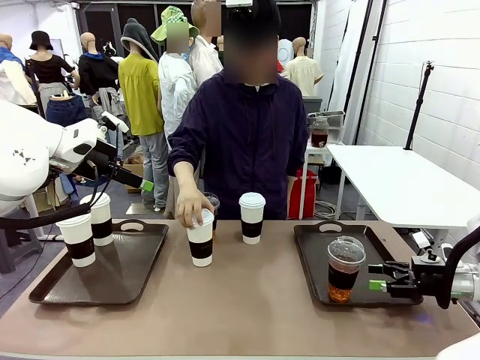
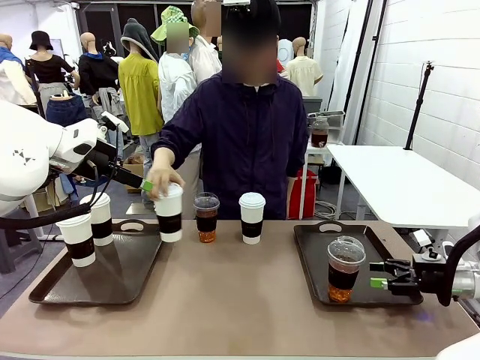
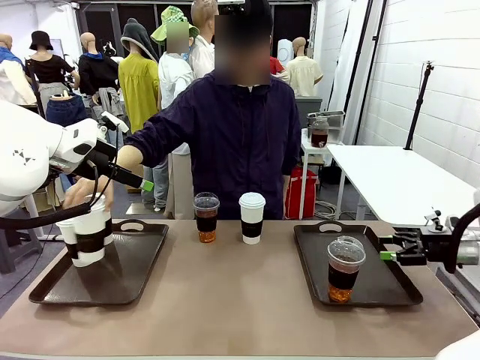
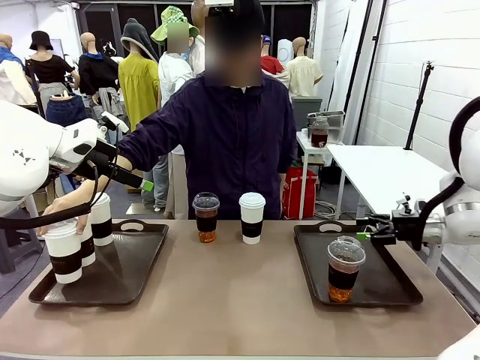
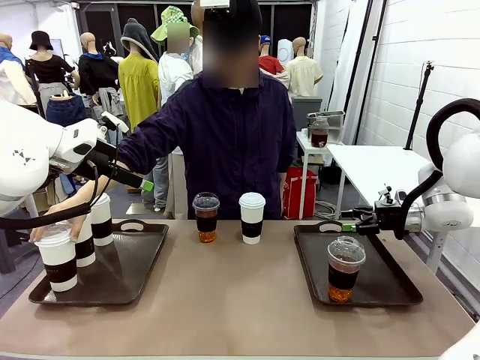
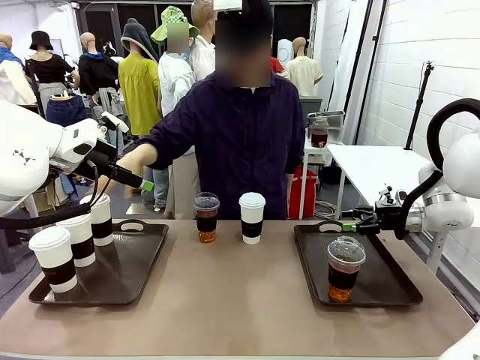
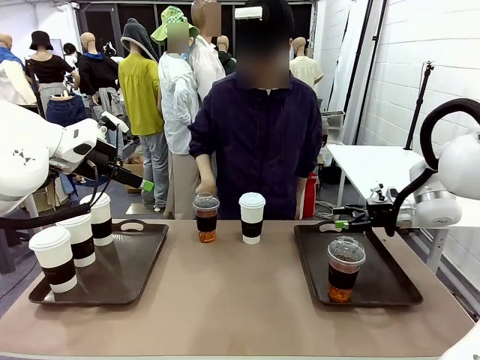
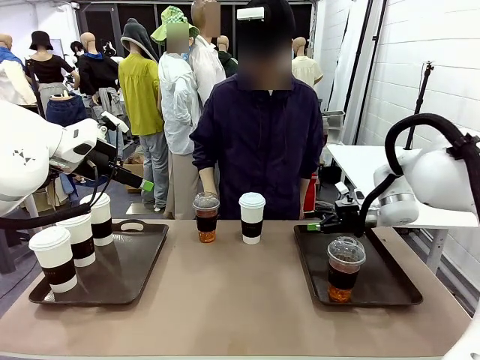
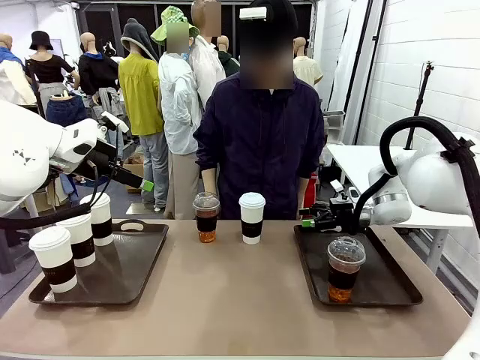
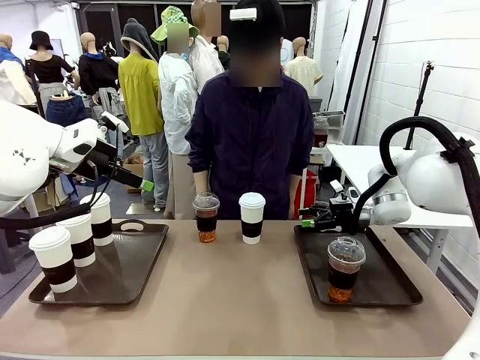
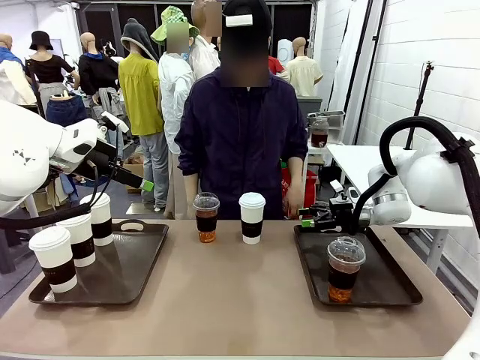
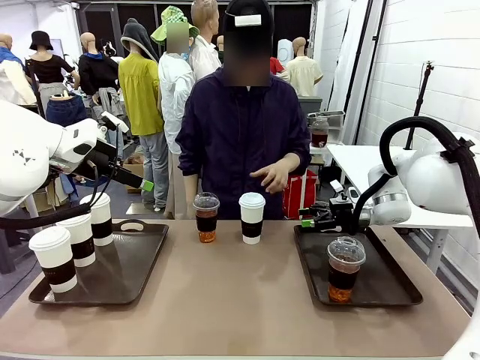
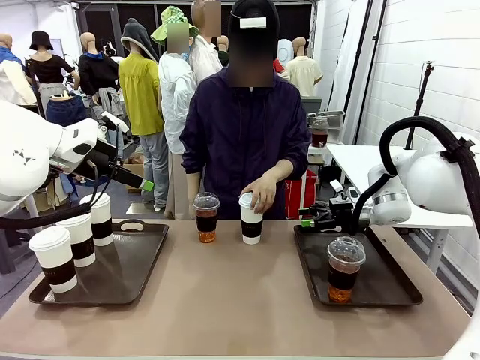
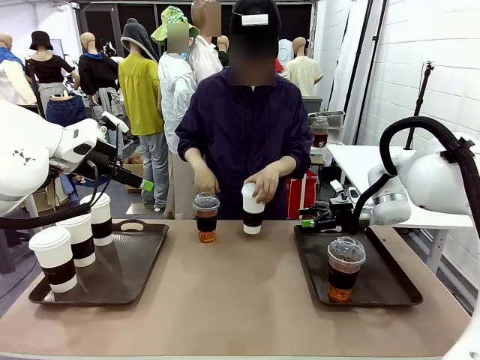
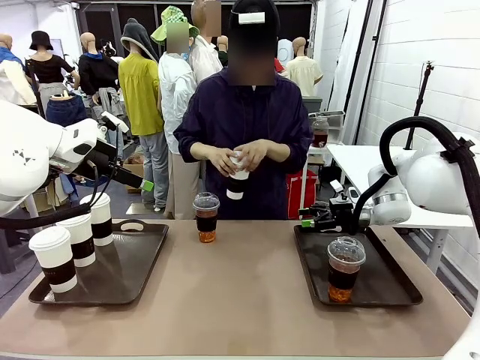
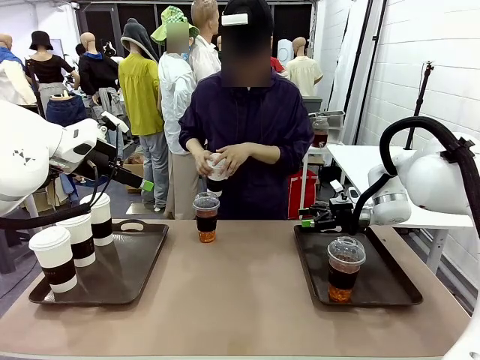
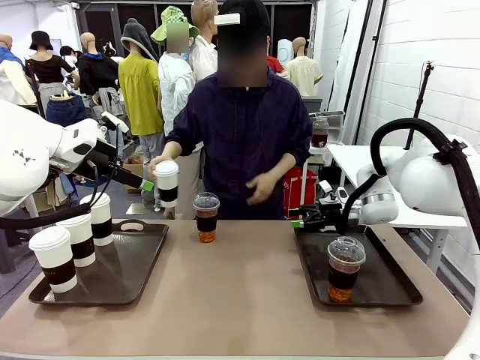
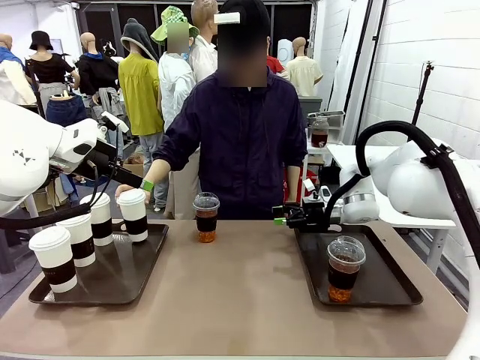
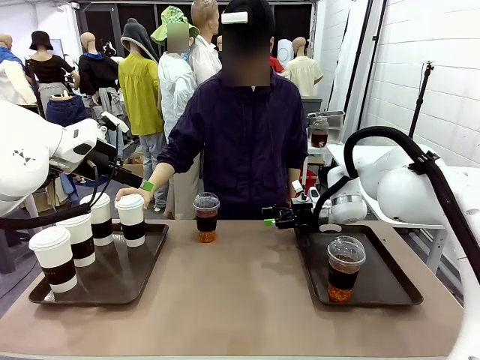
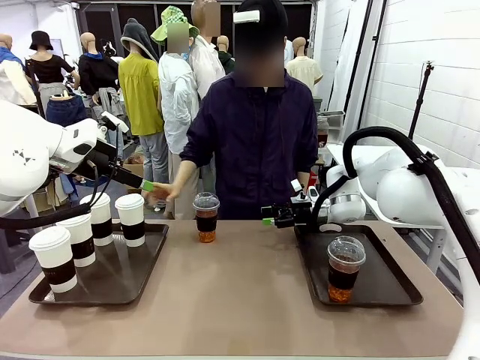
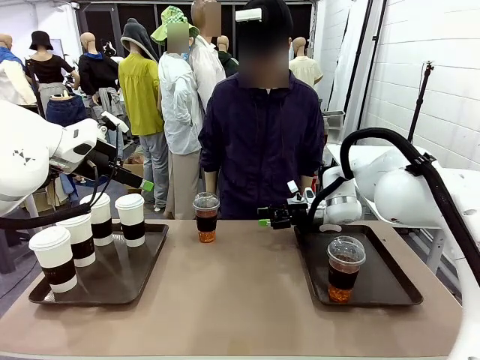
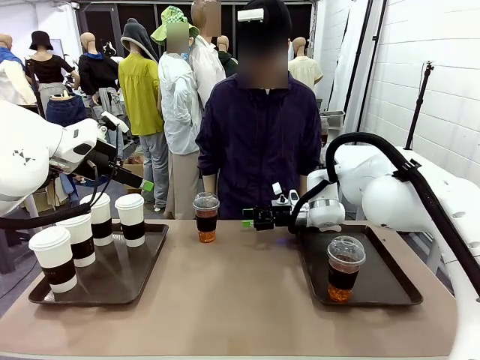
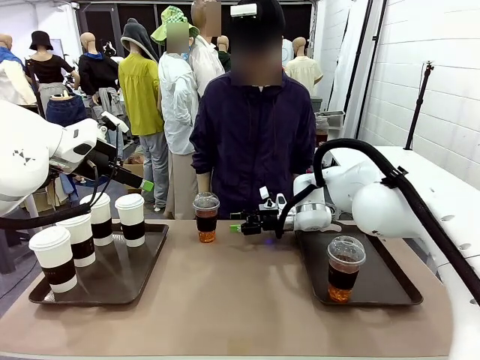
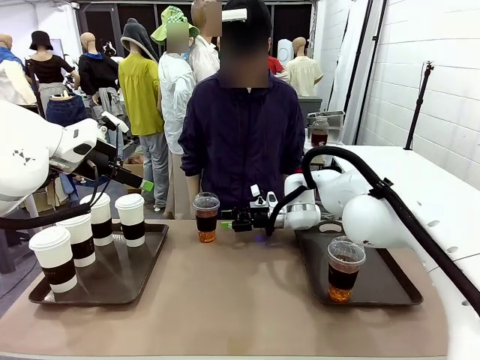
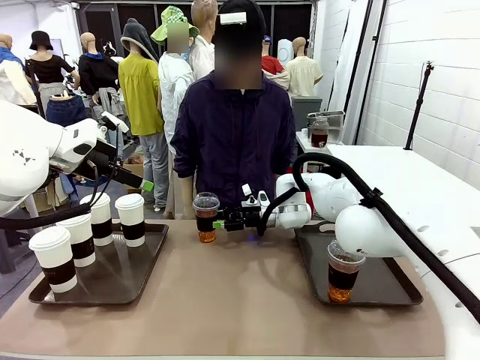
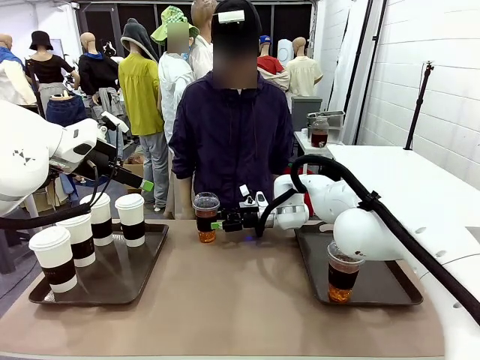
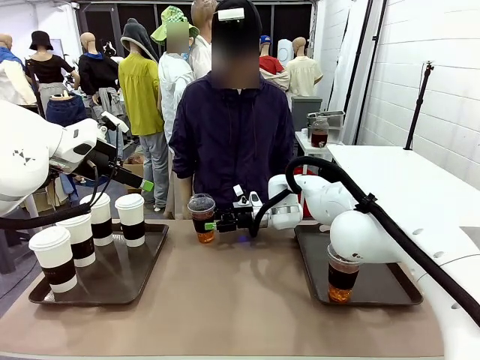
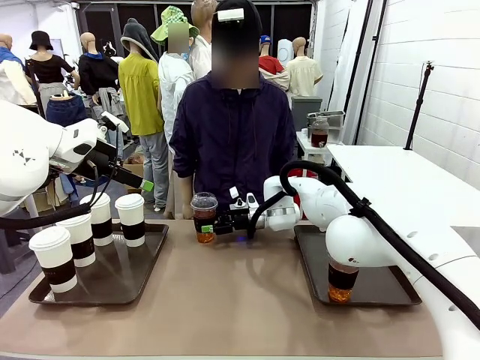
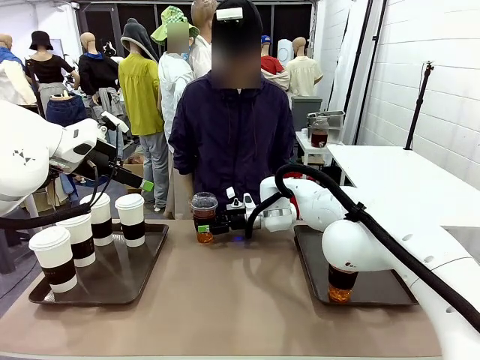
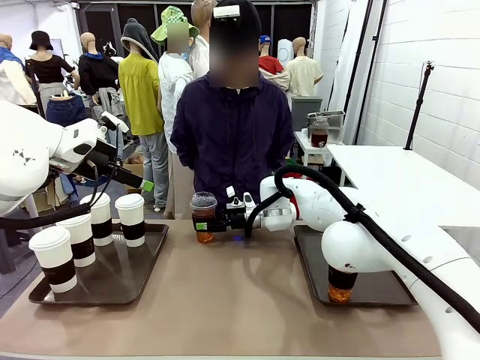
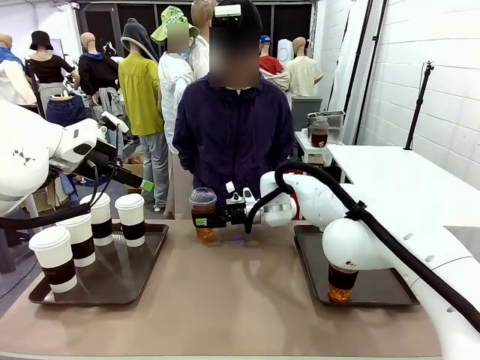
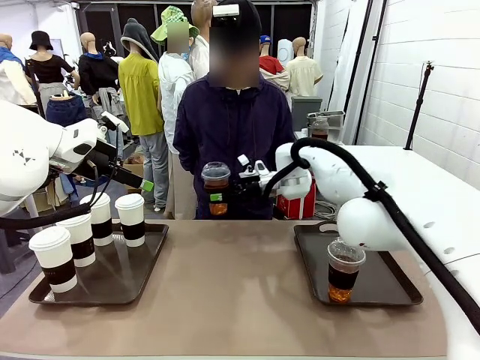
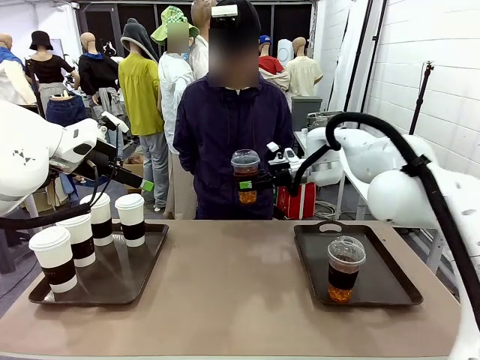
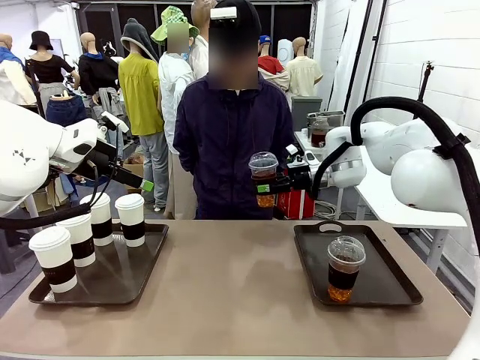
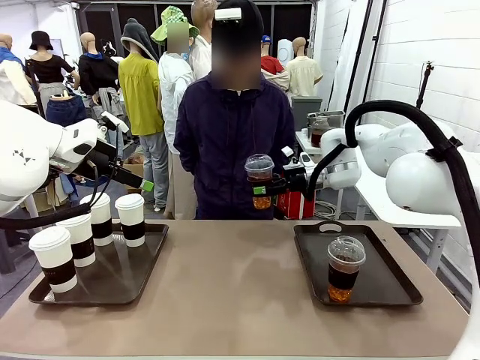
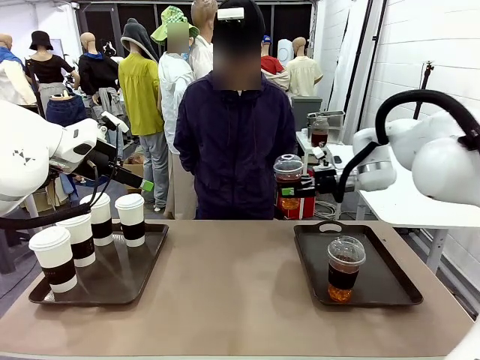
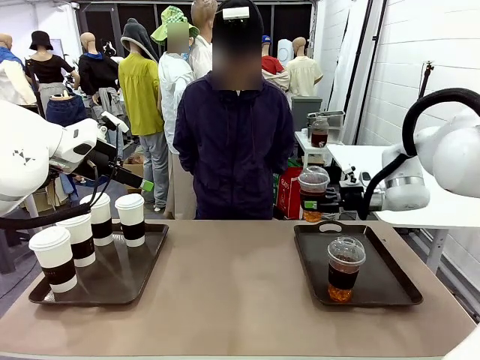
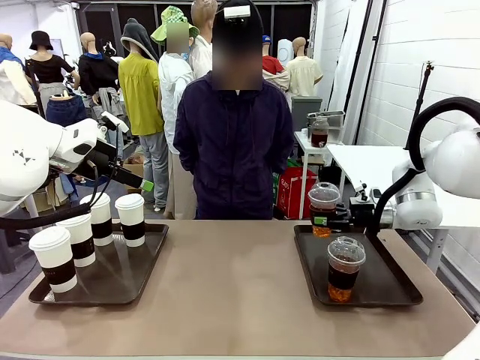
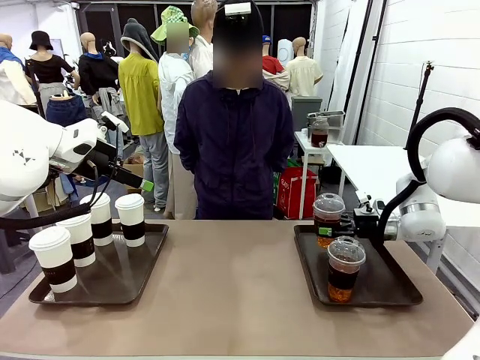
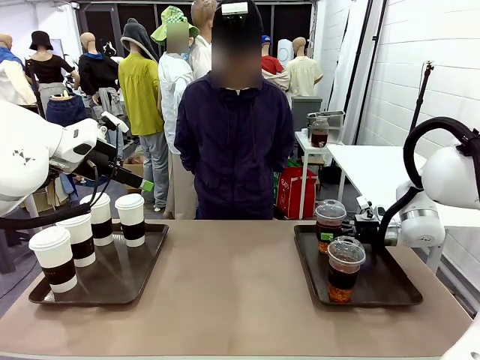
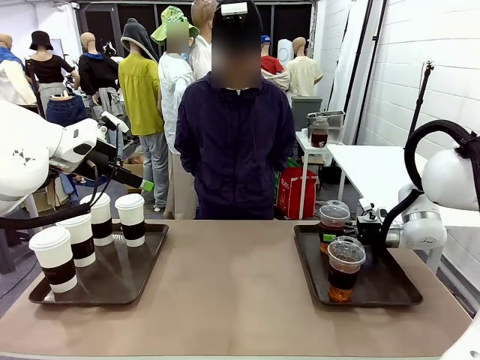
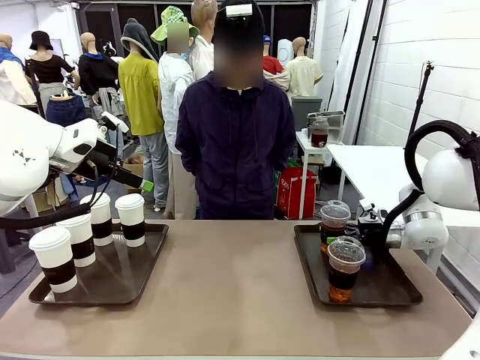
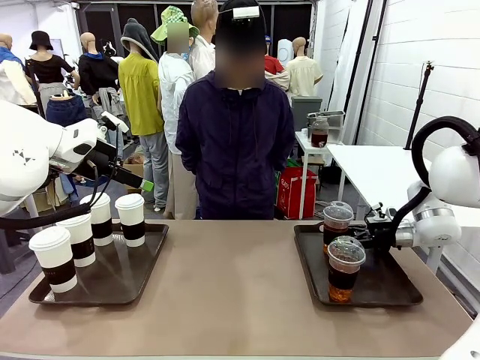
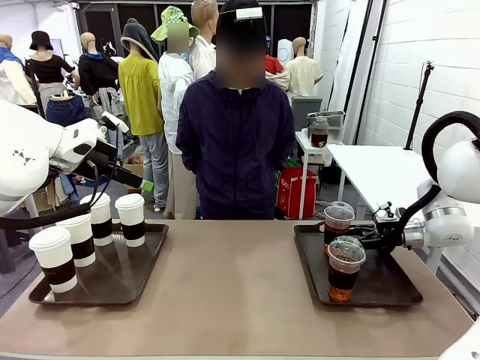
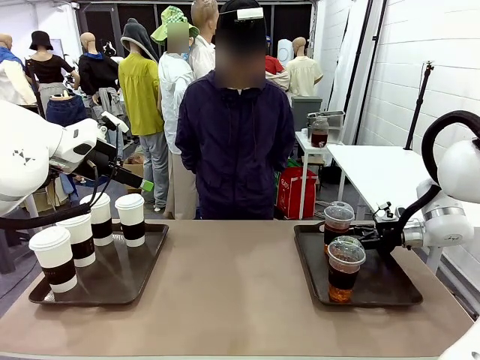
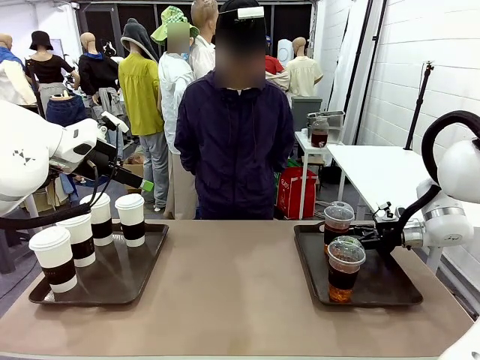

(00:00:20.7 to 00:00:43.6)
Task: Distribute the coffee onto the tray.
Robot: Pick up another iced Americano from the middle of the table and place it on the right Handle tray.
Person: Pick up a cup of hot Americano from the middle of the table and place it on the right tray.
